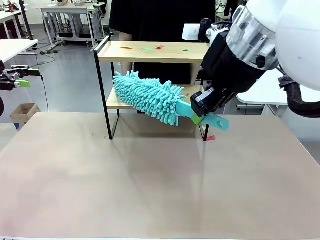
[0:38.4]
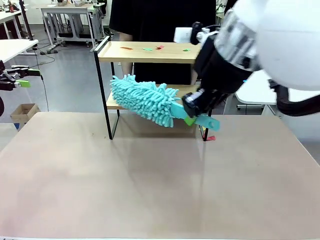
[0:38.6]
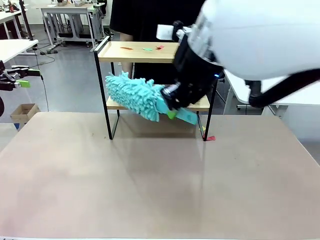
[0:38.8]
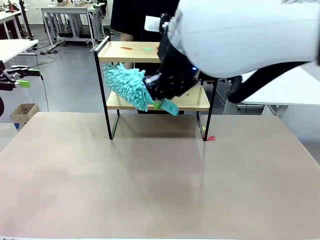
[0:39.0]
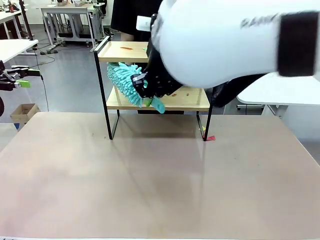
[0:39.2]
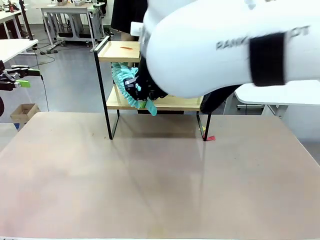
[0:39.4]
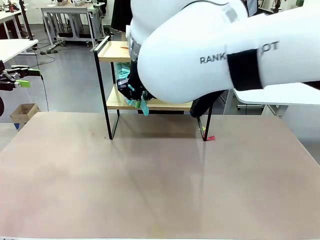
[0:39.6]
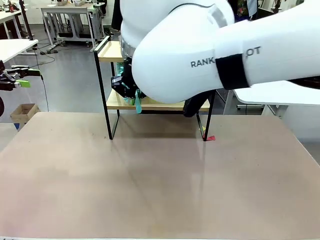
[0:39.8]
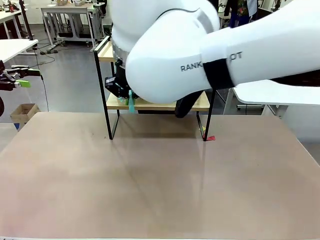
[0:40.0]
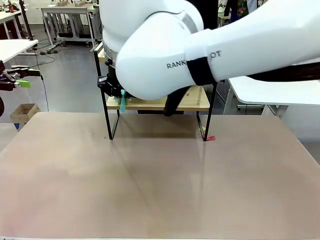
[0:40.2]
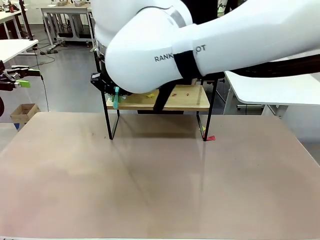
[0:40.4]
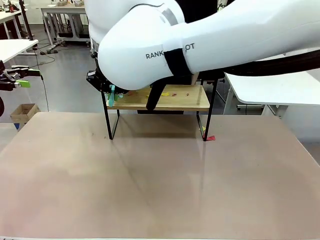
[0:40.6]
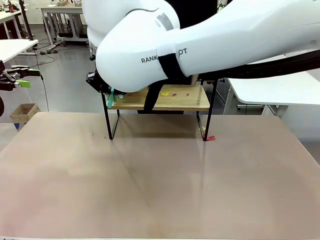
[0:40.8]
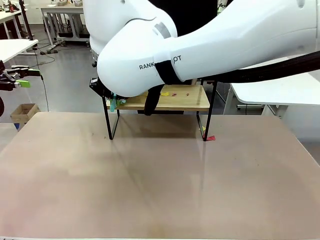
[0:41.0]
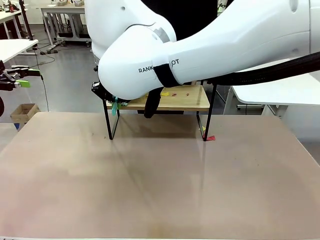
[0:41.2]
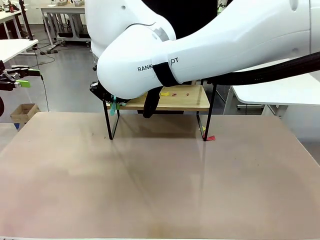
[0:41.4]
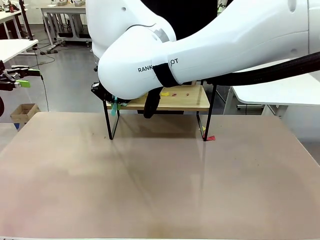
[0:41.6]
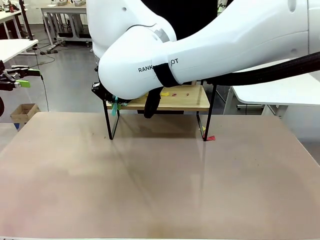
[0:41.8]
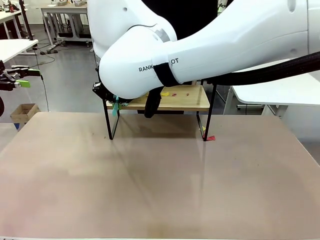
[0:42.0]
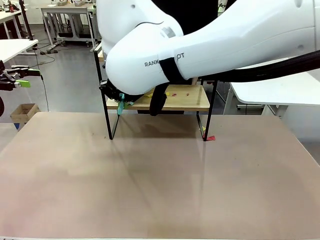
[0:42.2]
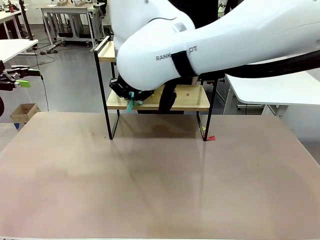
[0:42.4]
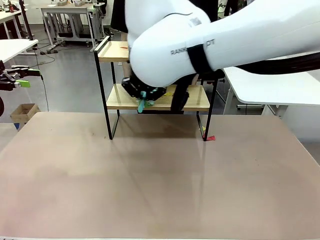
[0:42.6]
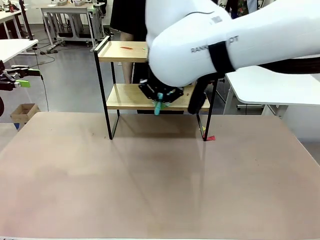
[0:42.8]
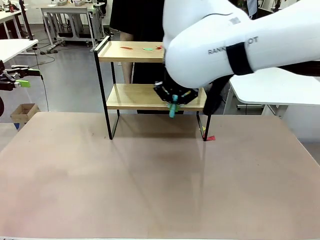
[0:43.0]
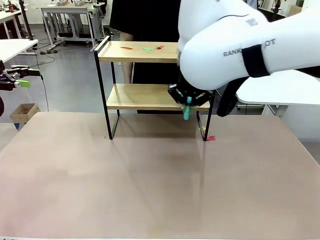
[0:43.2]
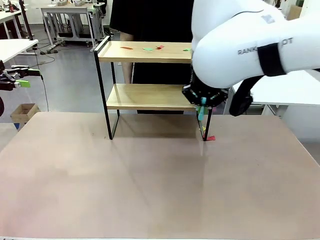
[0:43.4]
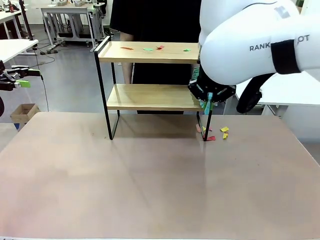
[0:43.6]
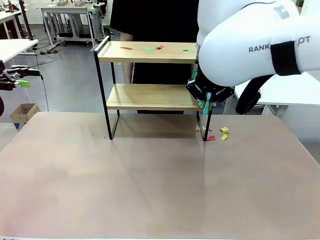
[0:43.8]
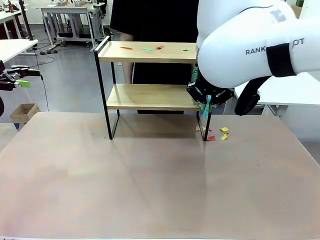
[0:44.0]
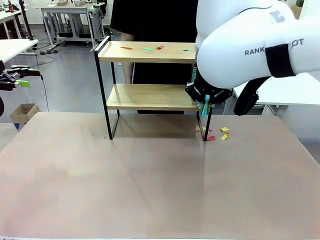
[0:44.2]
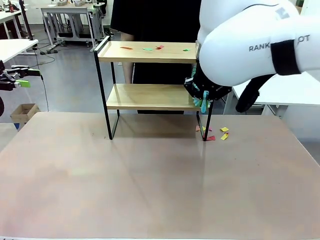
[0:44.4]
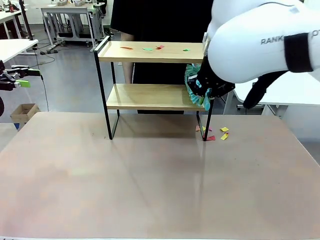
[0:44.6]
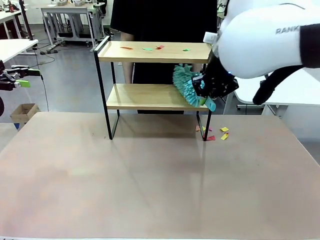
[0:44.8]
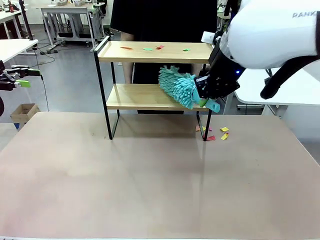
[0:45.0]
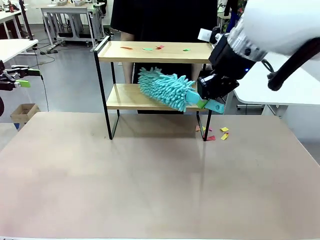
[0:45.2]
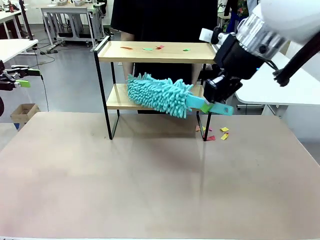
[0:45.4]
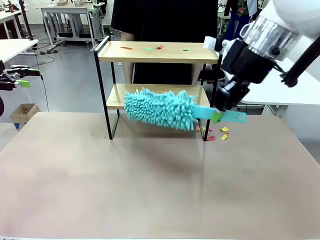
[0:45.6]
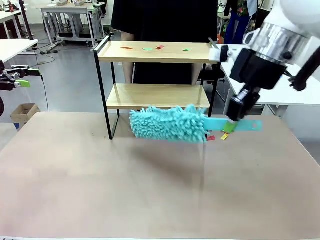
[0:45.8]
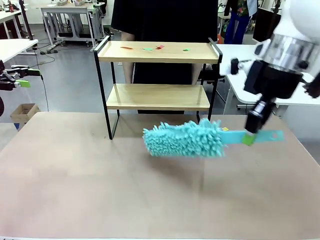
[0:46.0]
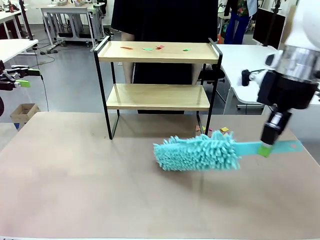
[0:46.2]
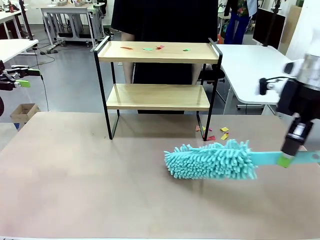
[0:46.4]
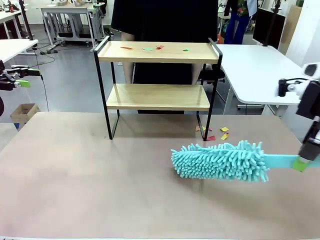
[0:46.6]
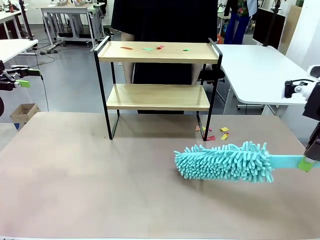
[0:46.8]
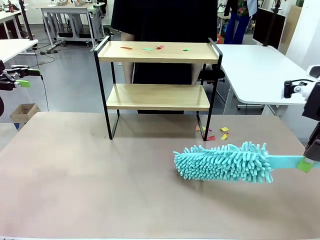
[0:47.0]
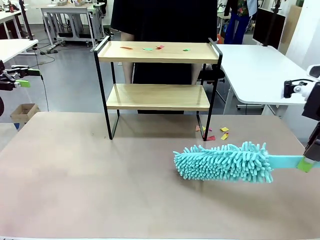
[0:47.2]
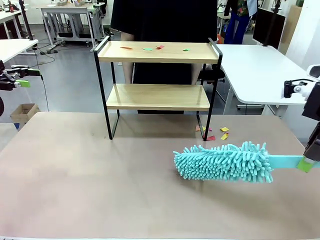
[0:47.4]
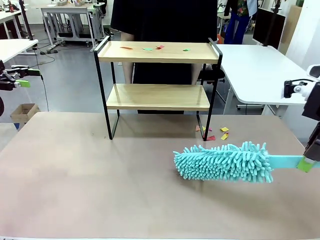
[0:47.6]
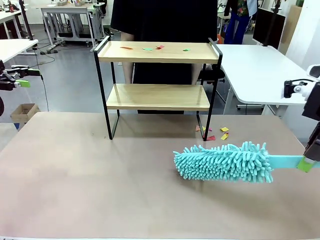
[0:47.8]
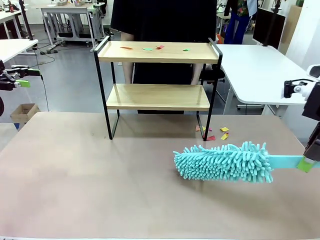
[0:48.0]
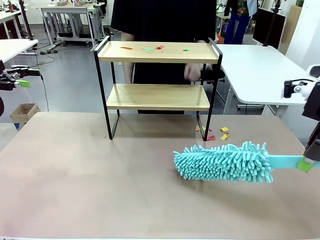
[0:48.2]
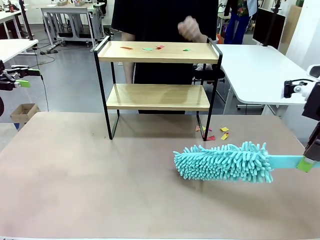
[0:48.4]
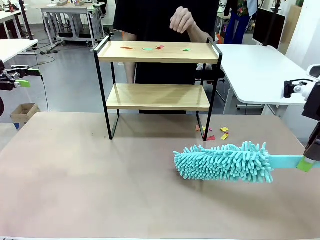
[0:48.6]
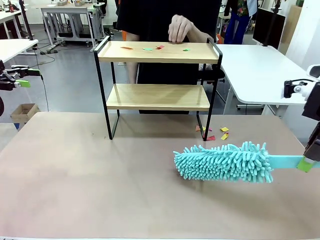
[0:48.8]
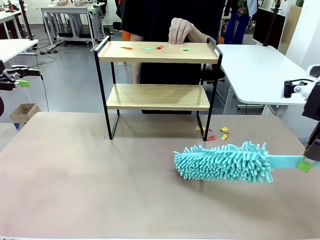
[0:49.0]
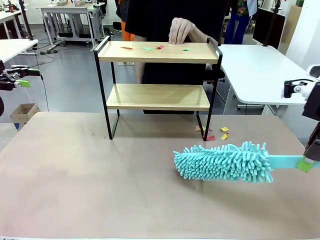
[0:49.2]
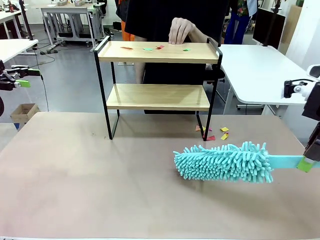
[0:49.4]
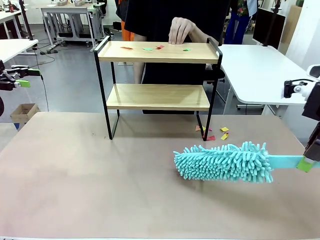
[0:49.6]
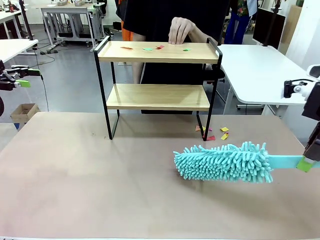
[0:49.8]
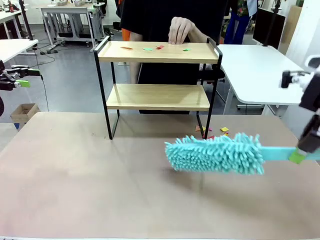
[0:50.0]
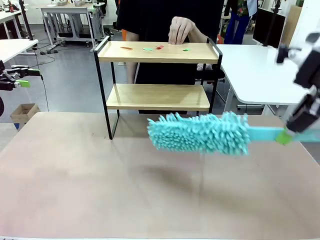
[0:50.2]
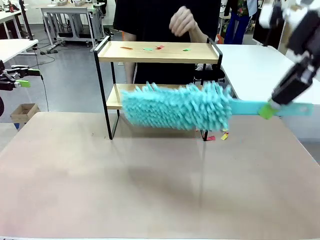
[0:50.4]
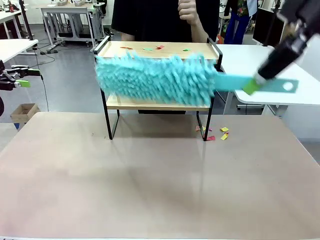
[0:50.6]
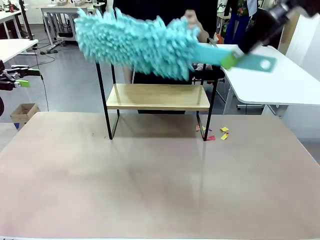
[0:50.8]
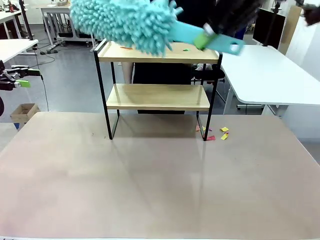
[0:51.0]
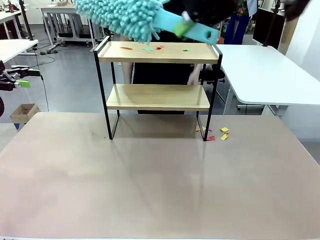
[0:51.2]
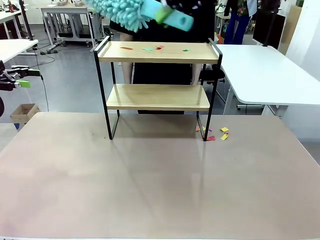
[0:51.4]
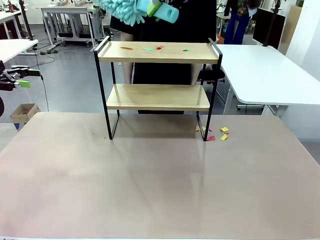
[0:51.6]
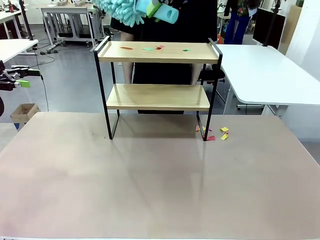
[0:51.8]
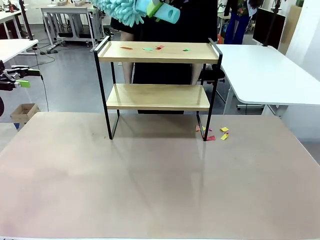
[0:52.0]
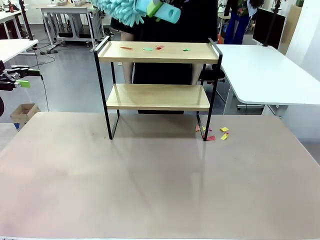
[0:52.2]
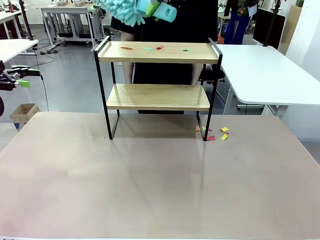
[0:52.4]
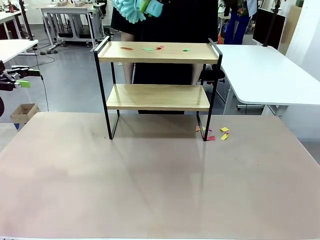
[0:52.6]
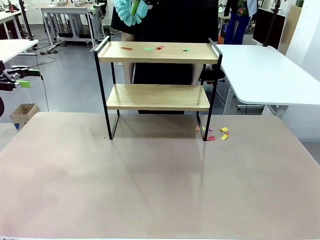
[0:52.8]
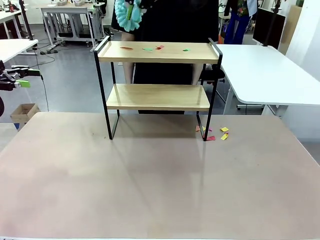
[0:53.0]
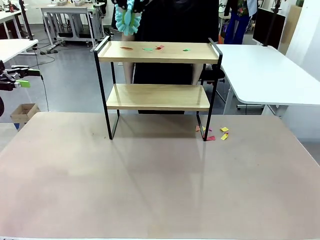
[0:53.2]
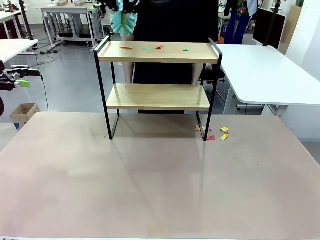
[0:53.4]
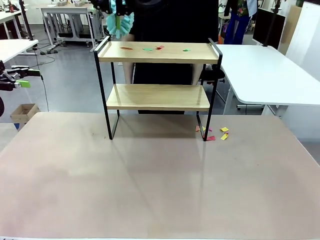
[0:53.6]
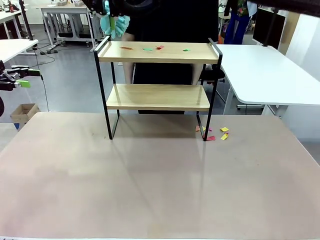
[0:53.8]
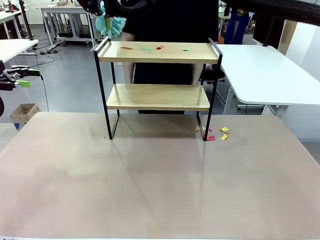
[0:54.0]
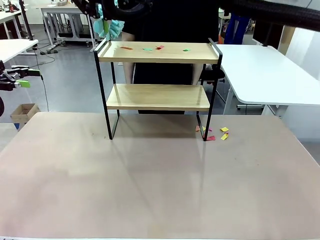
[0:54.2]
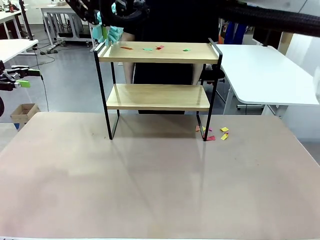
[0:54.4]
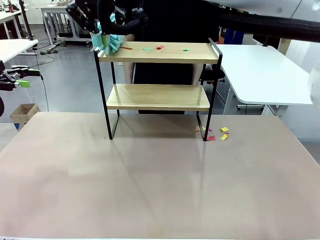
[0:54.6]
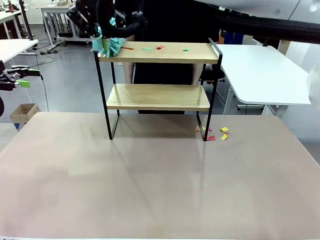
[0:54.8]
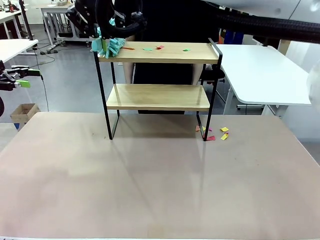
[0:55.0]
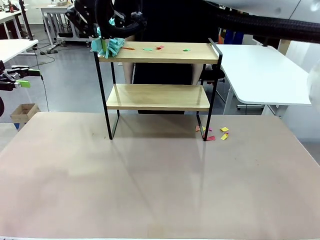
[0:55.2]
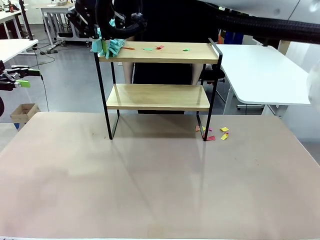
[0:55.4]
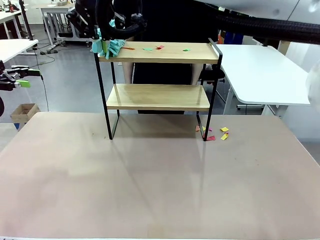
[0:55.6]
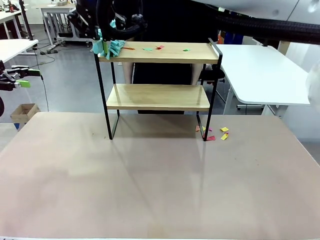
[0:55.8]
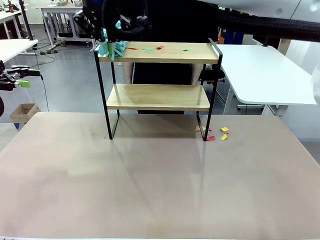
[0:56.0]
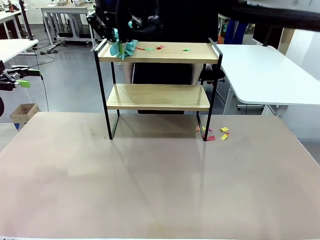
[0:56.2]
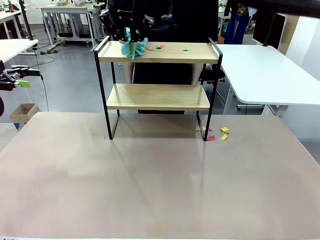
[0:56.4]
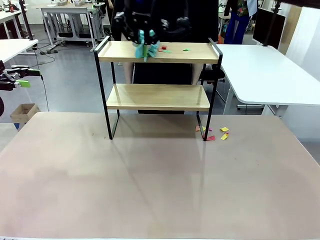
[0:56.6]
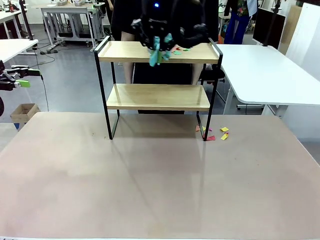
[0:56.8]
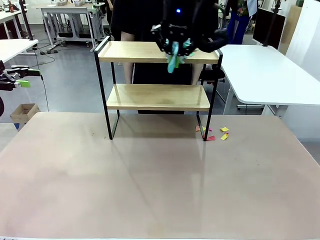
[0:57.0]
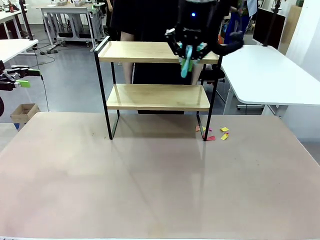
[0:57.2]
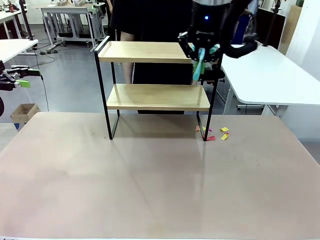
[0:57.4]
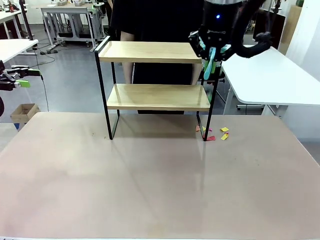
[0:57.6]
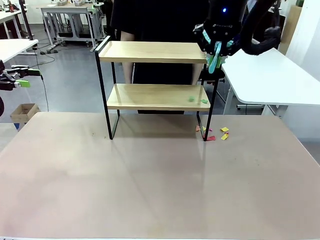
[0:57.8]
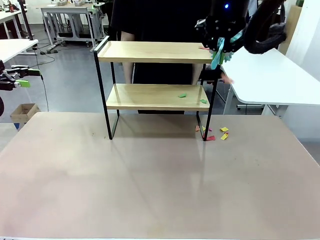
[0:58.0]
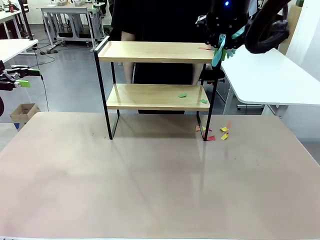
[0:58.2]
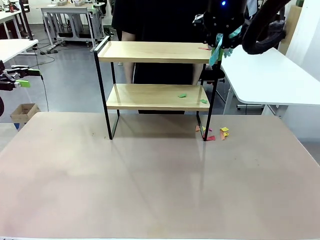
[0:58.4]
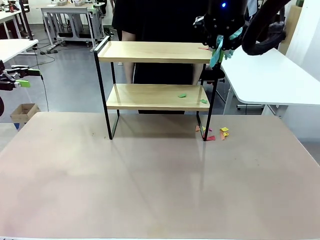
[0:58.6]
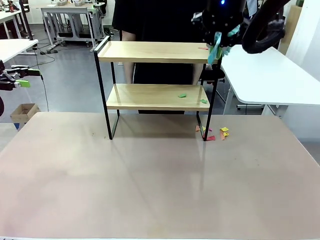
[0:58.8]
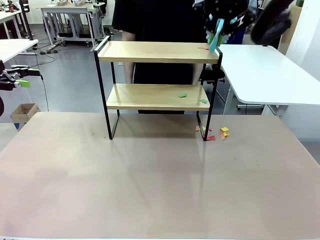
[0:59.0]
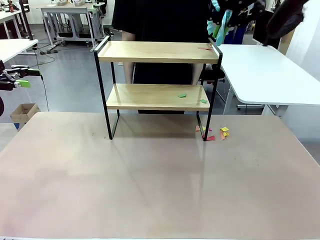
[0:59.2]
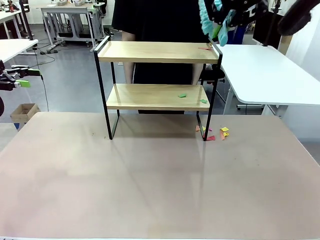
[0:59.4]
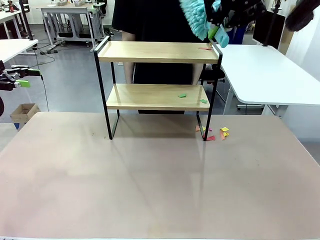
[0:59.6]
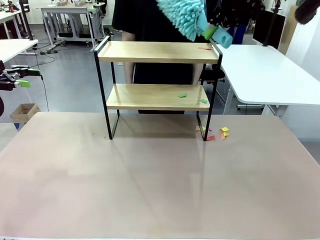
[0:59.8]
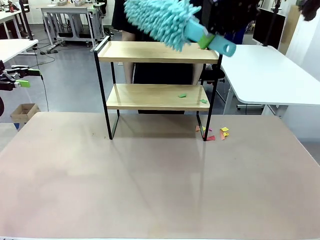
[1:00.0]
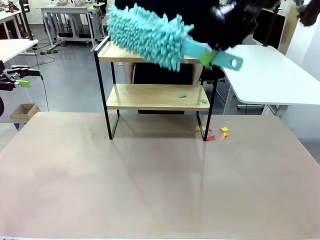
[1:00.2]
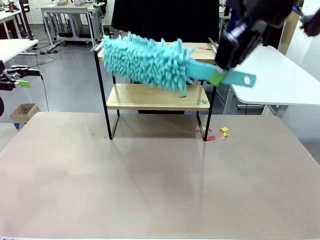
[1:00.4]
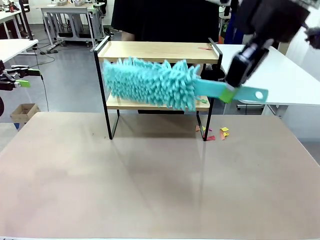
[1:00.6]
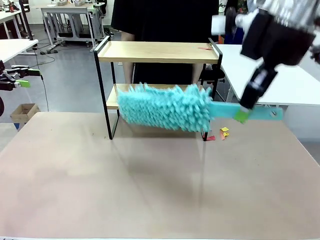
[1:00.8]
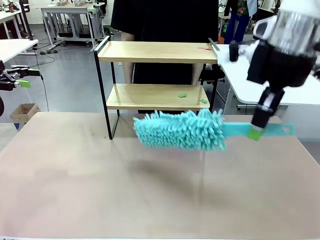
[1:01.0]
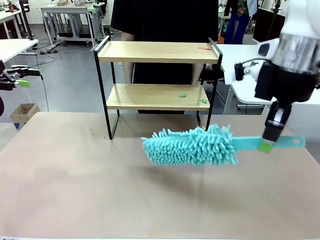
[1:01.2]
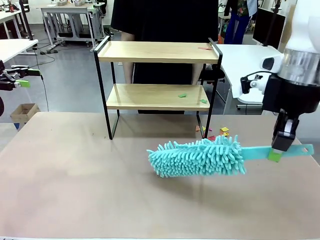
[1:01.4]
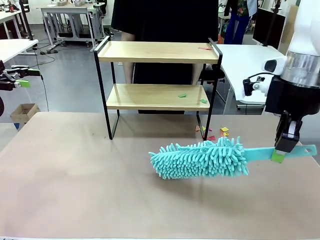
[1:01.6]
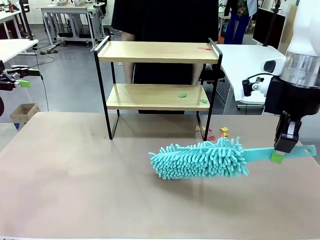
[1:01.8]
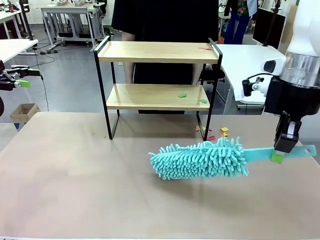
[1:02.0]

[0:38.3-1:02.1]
Task: Clean the shelf.
Robot: Clean the specific section of the Shelf indicated by the human with the Duster.
Person: Point a remaining section of the Shelf.
